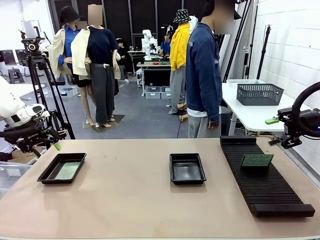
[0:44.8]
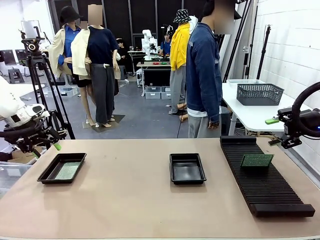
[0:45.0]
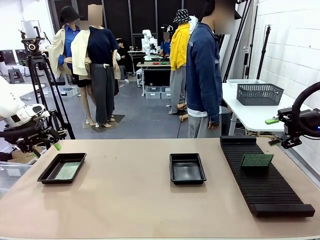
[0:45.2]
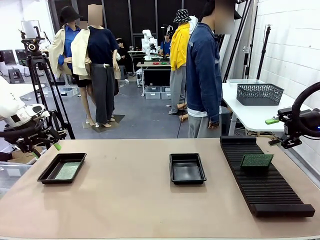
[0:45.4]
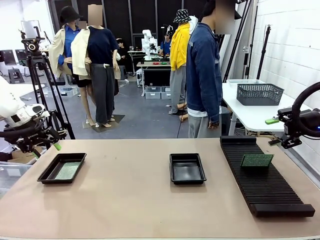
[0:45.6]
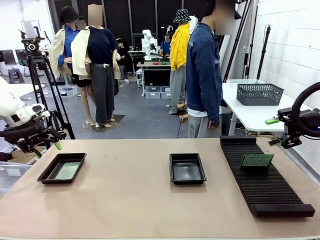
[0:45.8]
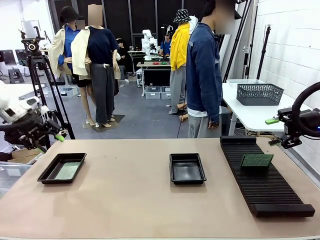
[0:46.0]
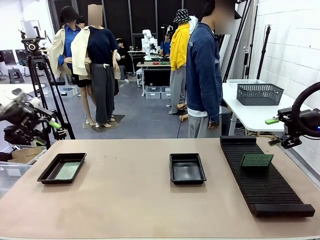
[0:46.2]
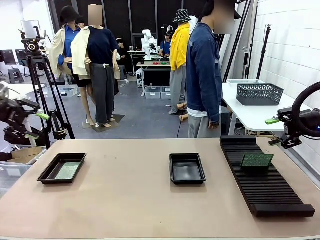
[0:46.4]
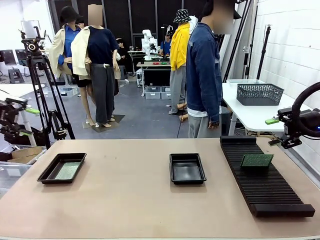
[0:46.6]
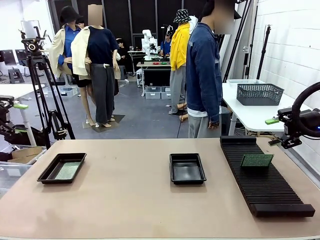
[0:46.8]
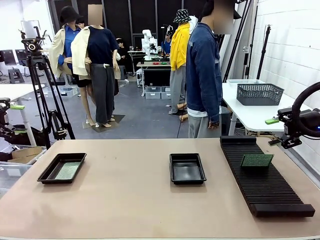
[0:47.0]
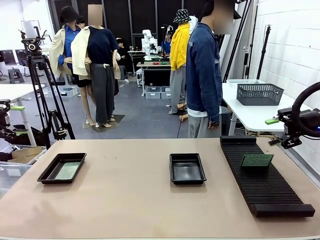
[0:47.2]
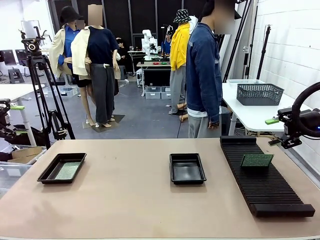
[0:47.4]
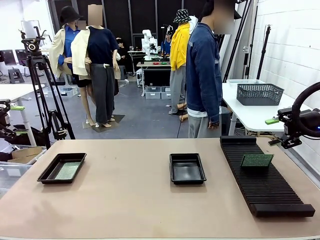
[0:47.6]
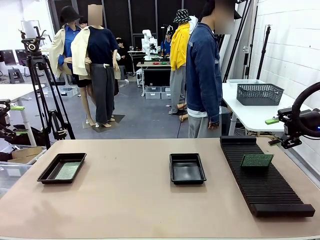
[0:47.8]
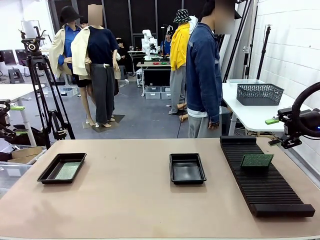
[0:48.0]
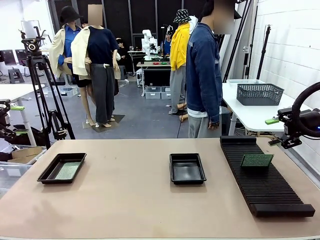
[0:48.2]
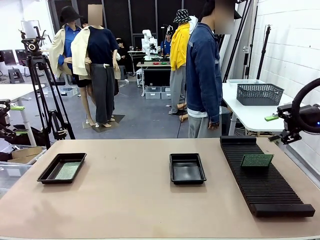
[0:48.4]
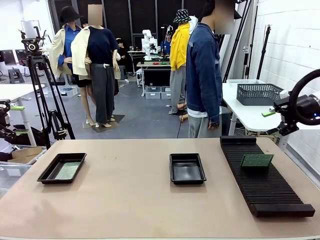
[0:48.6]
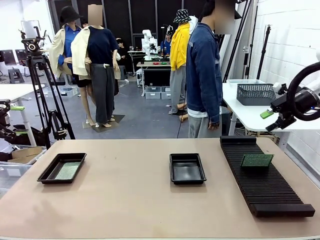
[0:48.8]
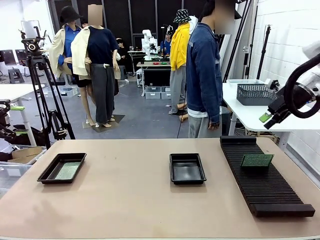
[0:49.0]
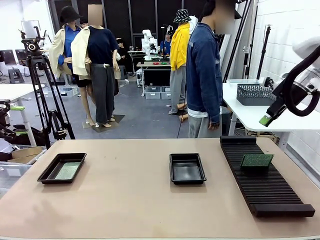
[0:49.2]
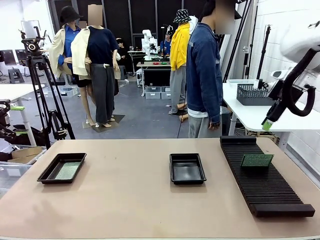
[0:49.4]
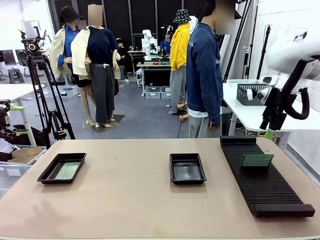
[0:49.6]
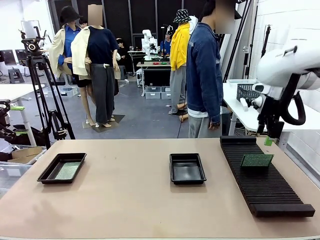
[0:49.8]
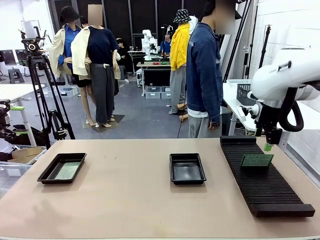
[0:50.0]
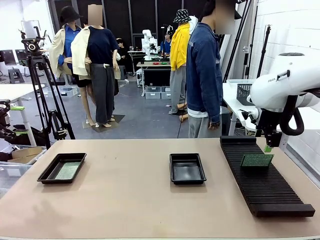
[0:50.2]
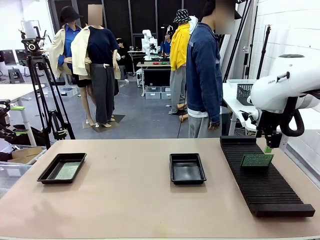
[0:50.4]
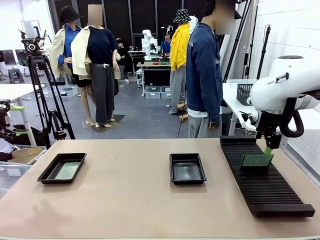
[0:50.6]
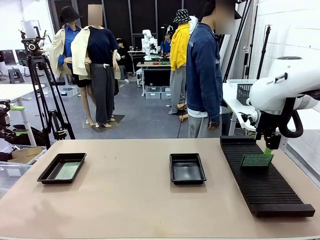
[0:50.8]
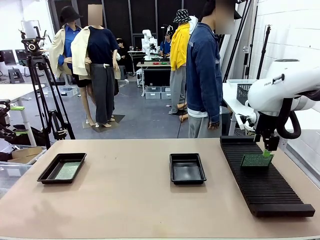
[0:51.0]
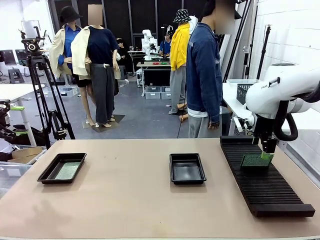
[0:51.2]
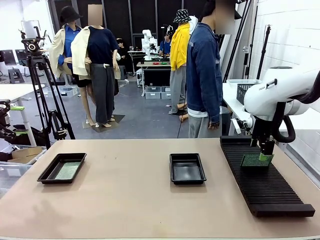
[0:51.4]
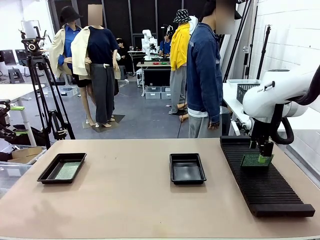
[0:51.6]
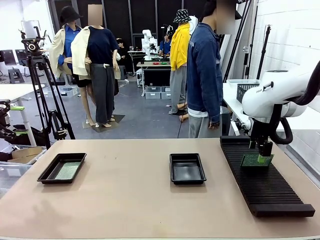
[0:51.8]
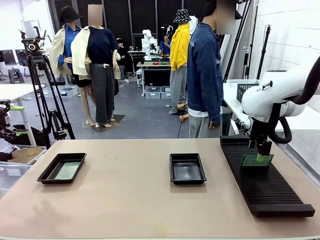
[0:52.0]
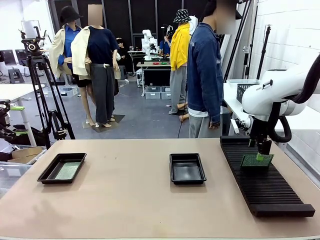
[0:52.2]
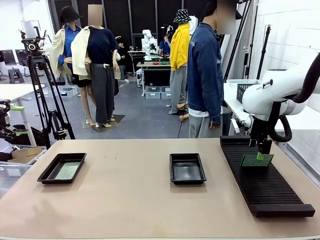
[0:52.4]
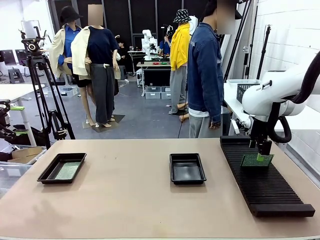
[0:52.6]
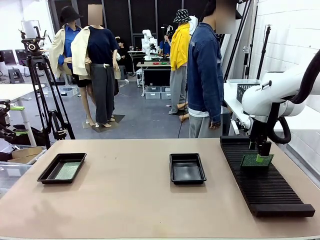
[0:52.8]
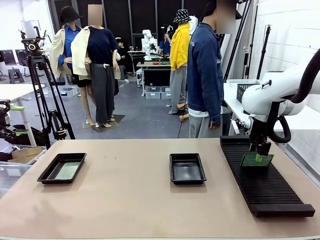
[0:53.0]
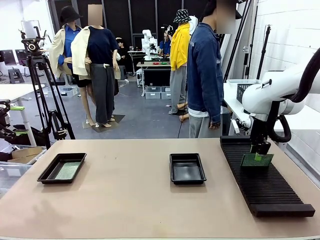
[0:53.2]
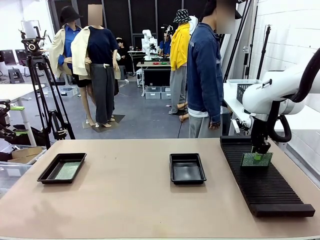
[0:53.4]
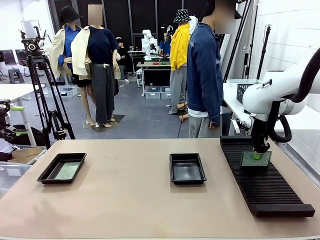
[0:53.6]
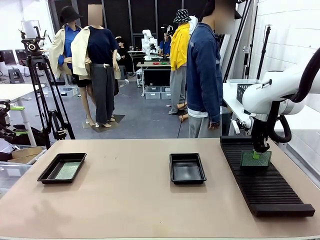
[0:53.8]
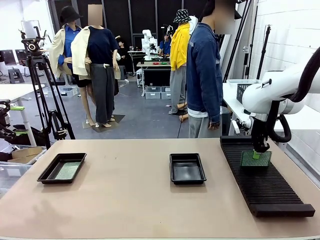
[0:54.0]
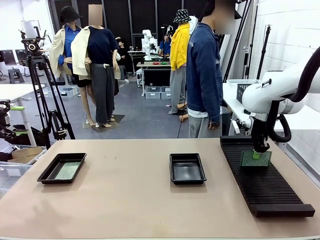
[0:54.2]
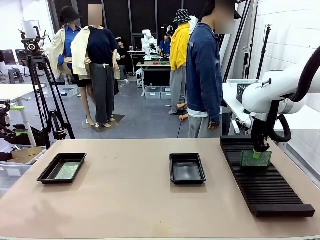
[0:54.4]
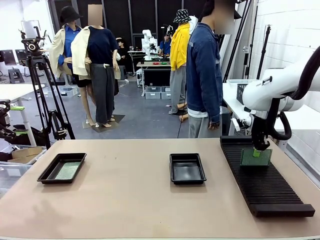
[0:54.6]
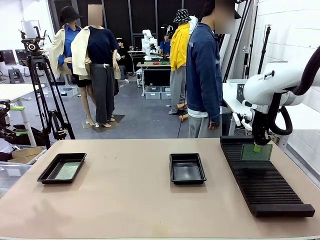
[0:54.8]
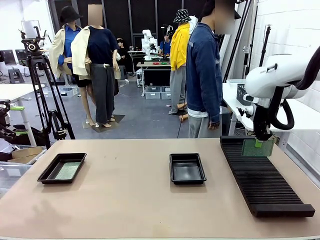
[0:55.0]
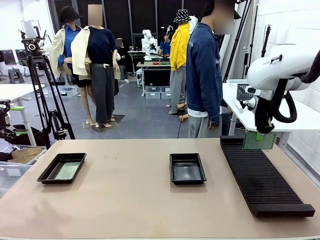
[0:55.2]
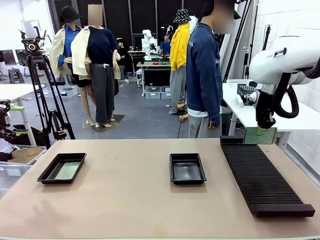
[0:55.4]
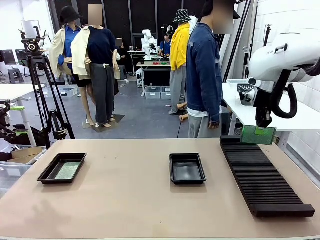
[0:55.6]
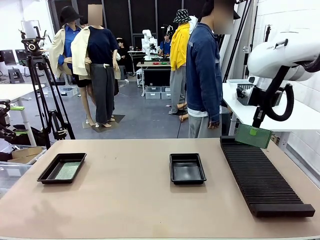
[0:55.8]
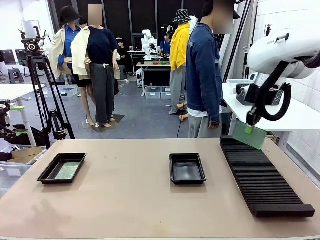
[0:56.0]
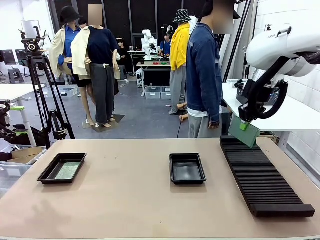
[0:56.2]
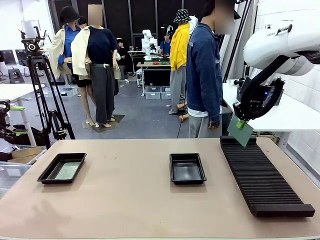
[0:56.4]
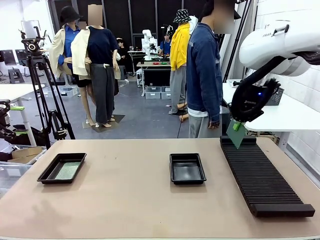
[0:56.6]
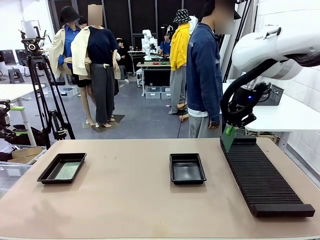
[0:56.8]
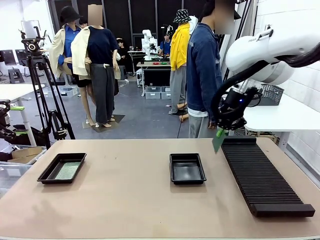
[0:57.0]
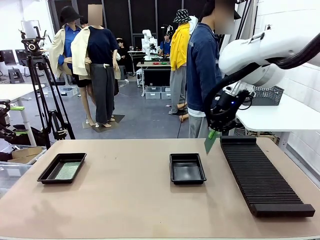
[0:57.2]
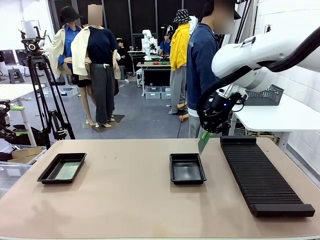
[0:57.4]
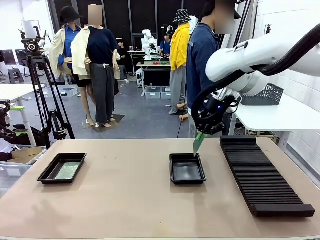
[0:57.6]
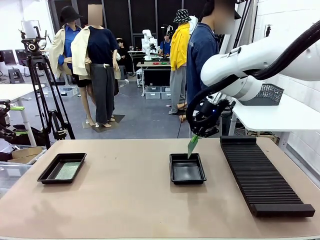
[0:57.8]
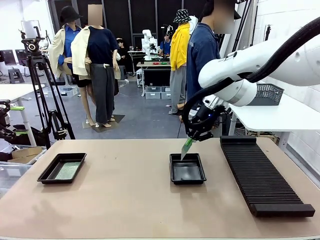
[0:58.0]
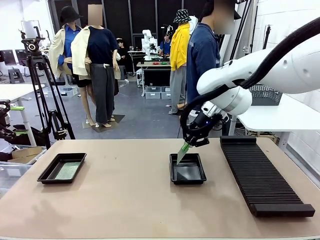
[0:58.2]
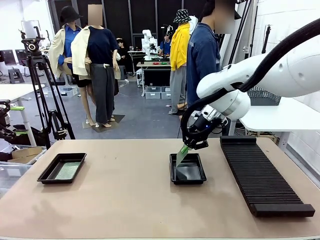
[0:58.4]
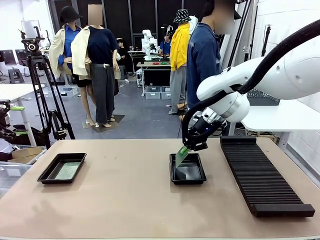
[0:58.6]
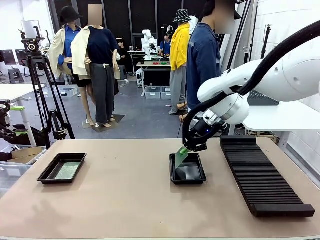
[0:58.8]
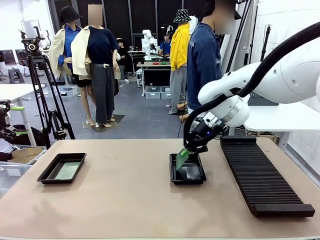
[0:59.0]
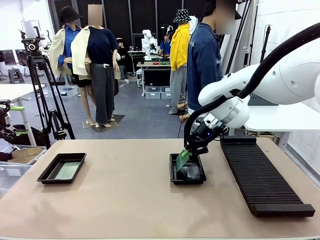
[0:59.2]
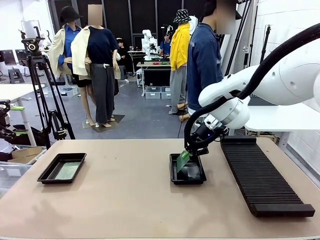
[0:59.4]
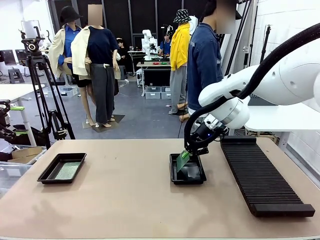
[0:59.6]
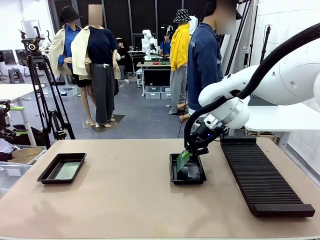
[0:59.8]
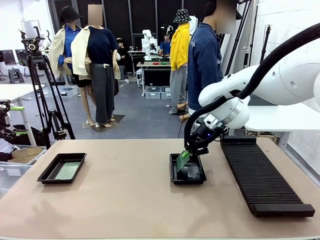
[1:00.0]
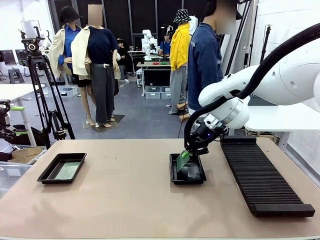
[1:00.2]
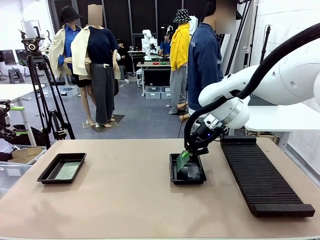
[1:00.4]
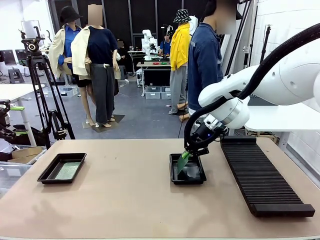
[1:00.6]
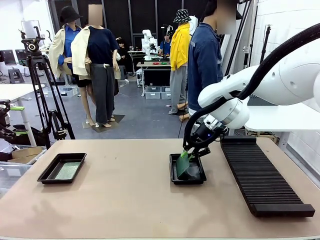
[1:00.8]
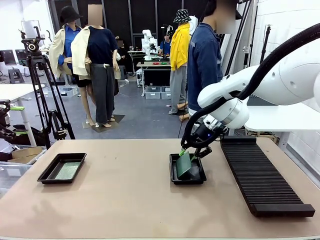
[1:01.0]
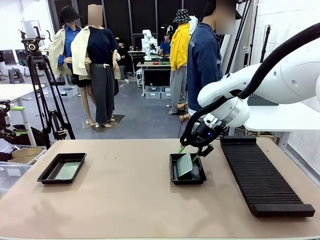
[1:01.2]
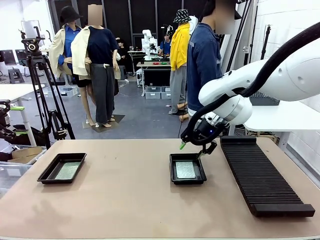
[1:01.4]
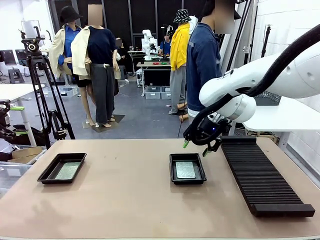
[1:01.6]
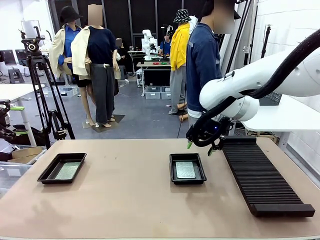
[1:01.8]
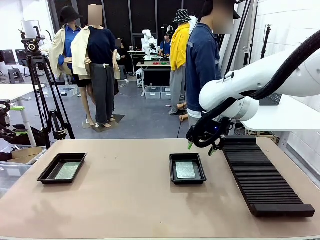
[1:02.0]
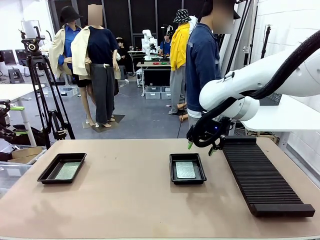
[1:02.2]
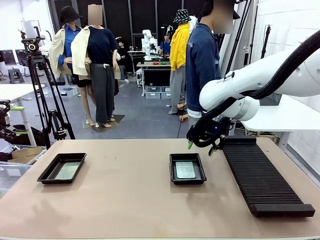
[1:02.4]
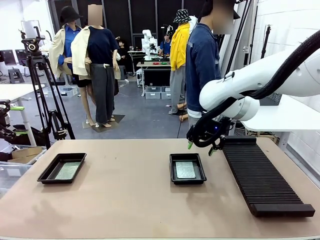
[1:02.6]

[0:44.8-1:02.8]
Task: Inspect and transfer BCBs to ESD trays.
Robot: Pick up the Blank PCB from the PCB Rack and place it in the right ESD tray.
